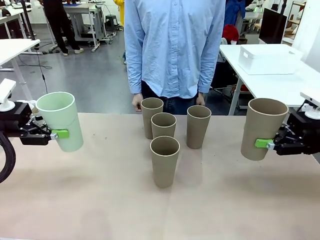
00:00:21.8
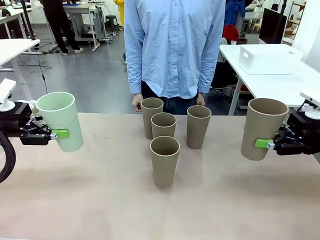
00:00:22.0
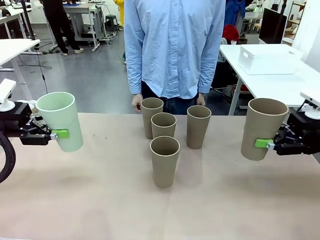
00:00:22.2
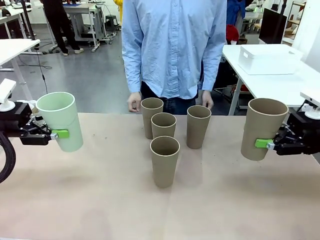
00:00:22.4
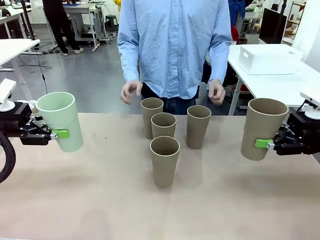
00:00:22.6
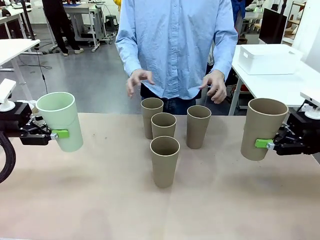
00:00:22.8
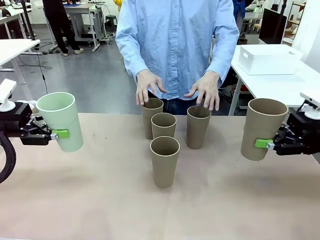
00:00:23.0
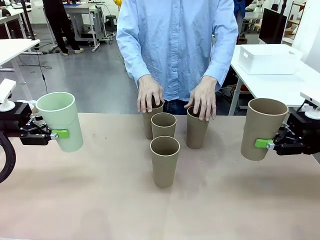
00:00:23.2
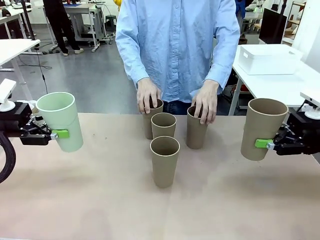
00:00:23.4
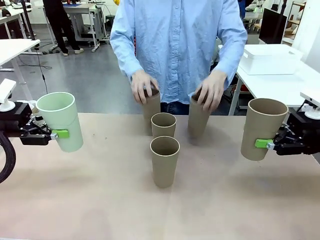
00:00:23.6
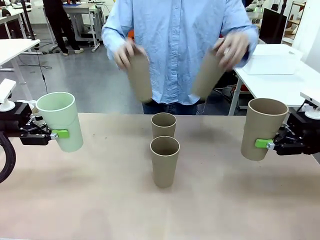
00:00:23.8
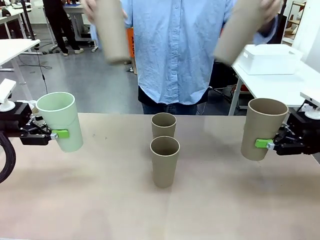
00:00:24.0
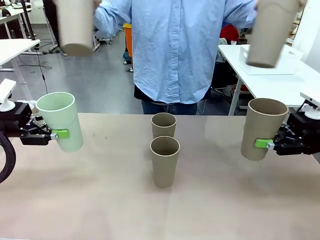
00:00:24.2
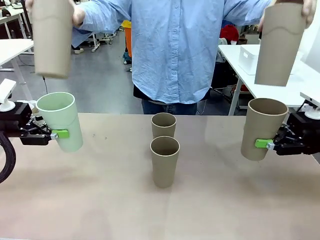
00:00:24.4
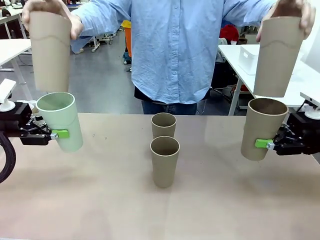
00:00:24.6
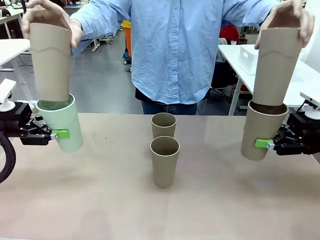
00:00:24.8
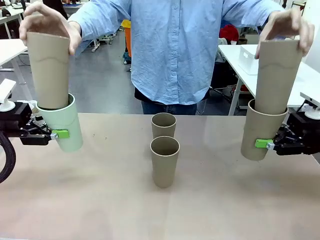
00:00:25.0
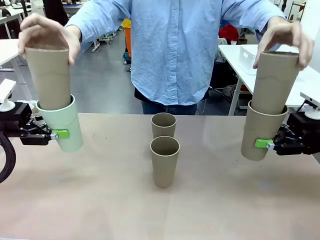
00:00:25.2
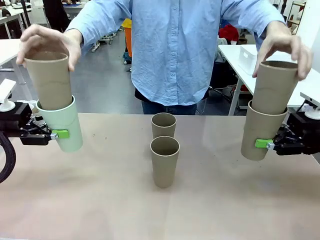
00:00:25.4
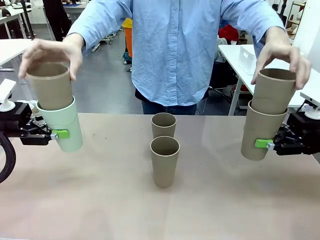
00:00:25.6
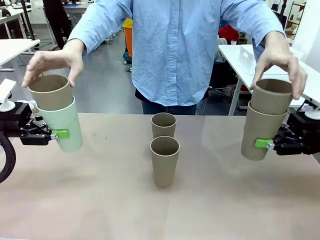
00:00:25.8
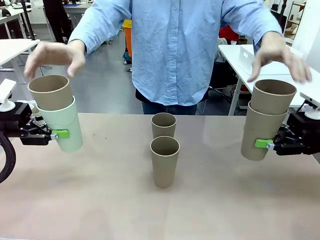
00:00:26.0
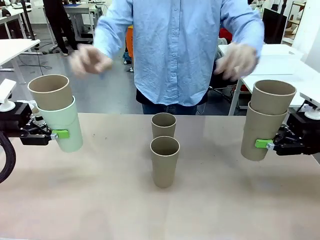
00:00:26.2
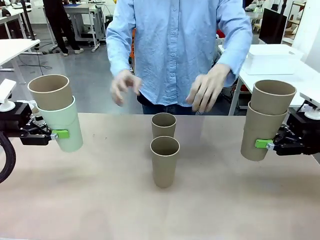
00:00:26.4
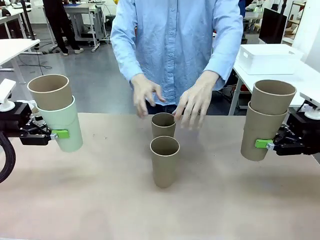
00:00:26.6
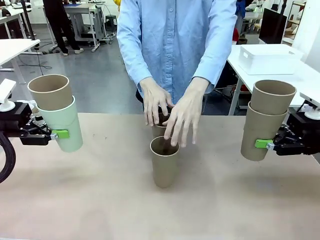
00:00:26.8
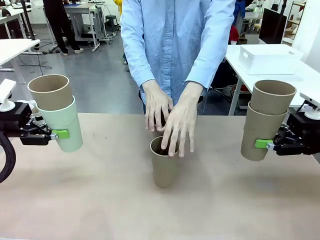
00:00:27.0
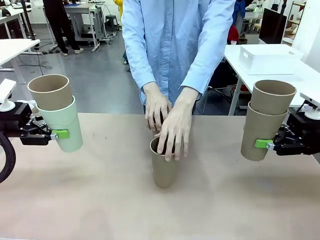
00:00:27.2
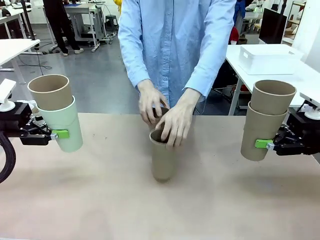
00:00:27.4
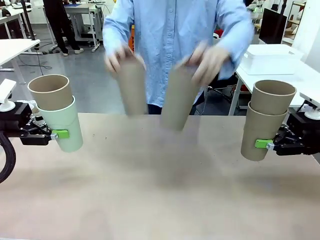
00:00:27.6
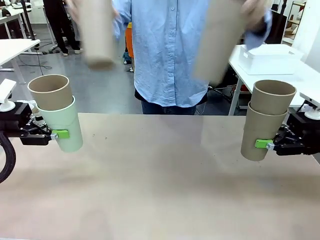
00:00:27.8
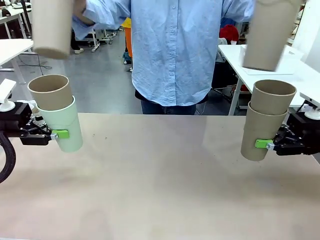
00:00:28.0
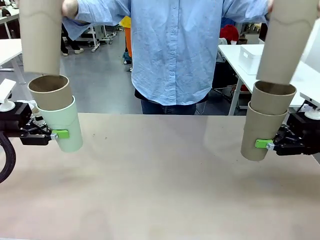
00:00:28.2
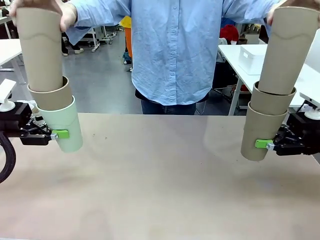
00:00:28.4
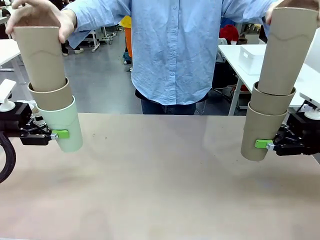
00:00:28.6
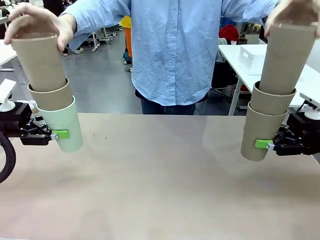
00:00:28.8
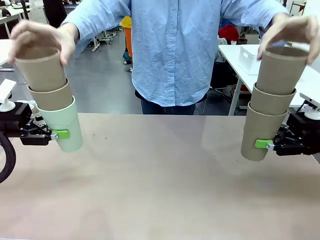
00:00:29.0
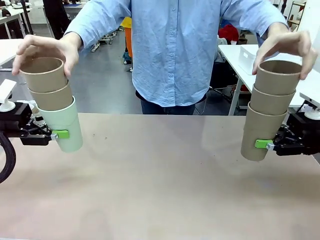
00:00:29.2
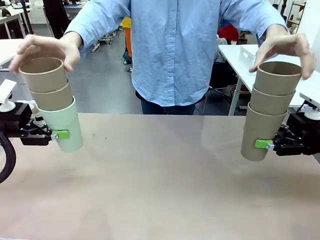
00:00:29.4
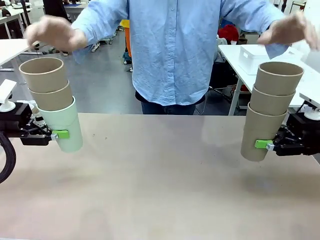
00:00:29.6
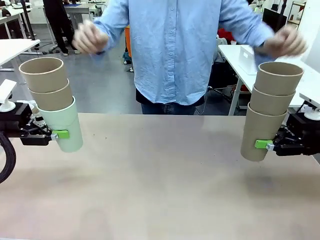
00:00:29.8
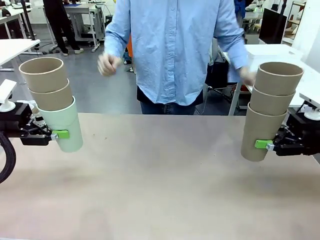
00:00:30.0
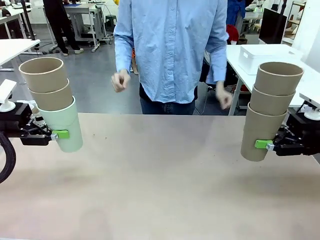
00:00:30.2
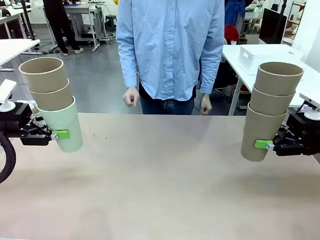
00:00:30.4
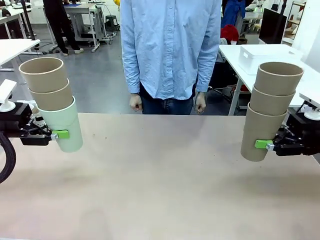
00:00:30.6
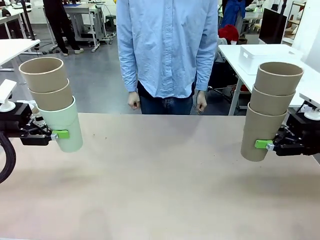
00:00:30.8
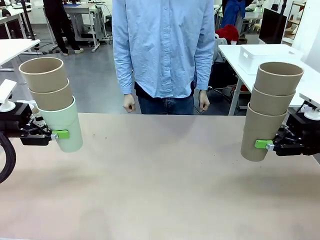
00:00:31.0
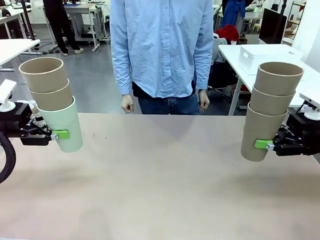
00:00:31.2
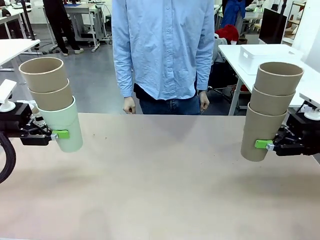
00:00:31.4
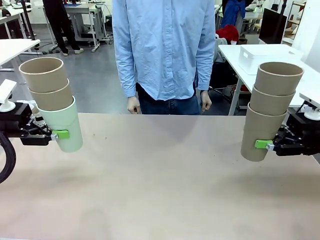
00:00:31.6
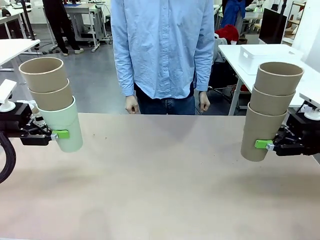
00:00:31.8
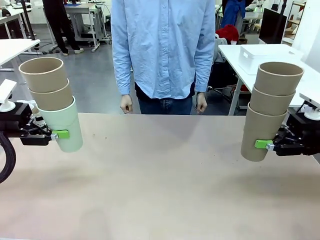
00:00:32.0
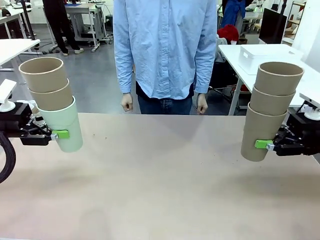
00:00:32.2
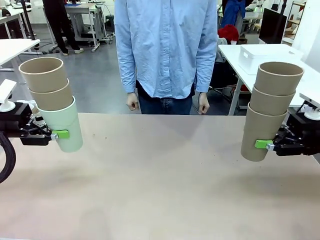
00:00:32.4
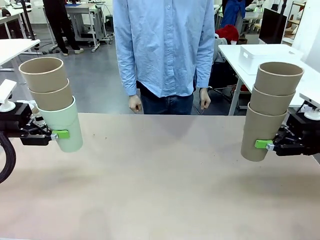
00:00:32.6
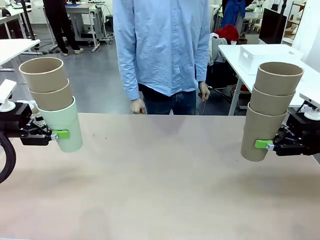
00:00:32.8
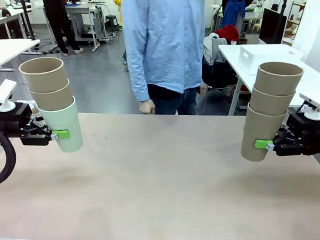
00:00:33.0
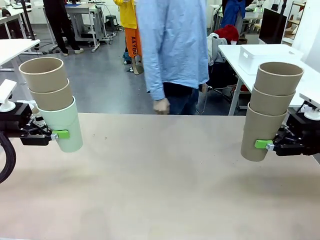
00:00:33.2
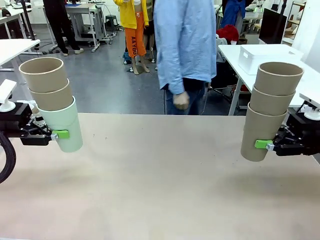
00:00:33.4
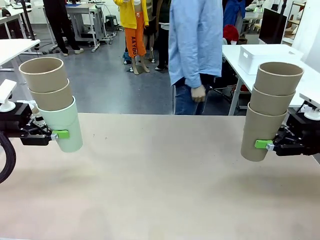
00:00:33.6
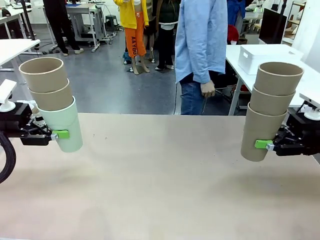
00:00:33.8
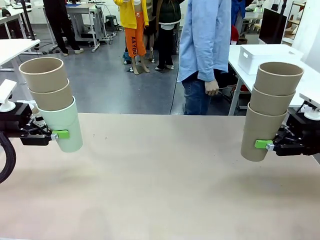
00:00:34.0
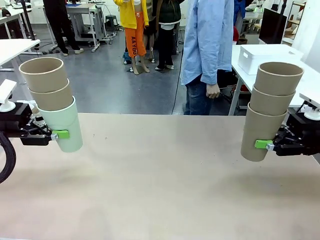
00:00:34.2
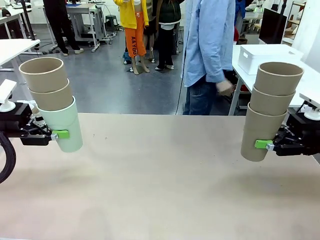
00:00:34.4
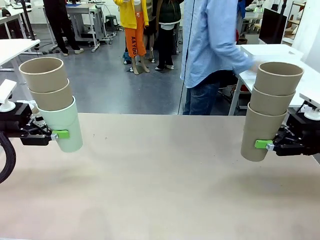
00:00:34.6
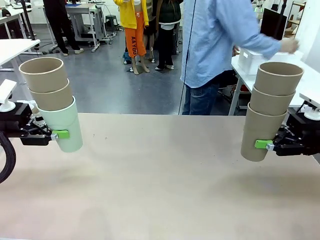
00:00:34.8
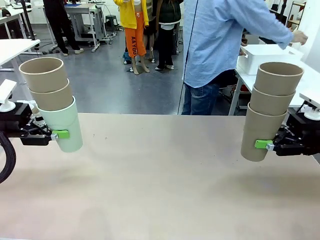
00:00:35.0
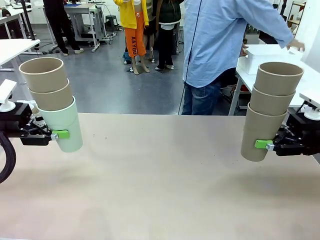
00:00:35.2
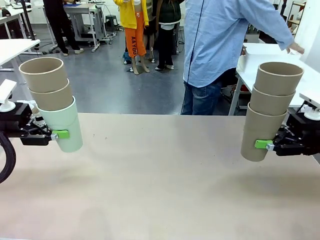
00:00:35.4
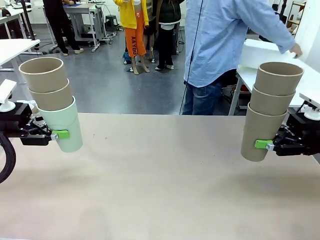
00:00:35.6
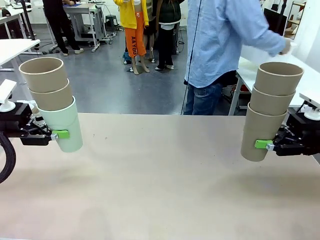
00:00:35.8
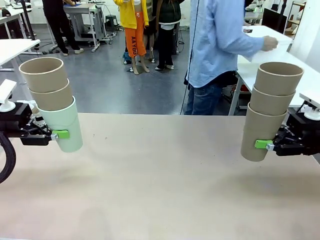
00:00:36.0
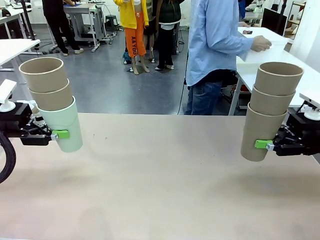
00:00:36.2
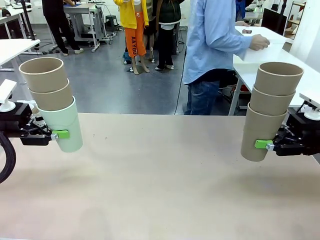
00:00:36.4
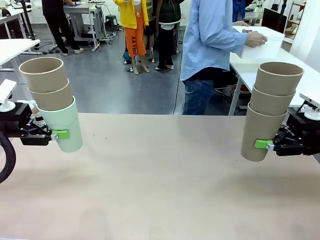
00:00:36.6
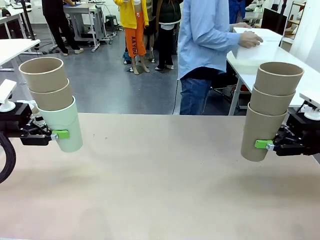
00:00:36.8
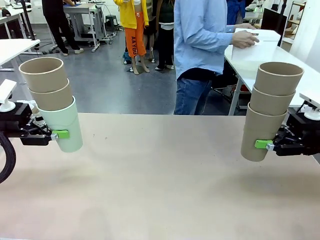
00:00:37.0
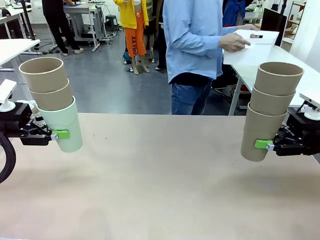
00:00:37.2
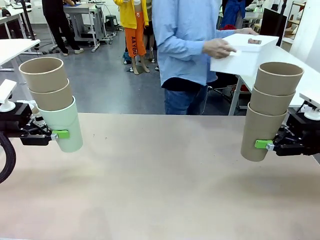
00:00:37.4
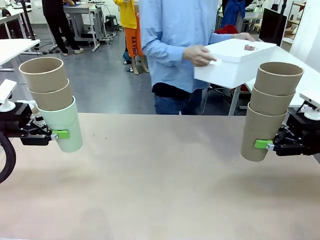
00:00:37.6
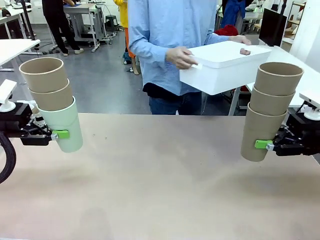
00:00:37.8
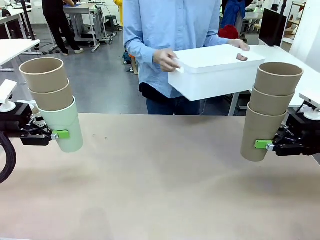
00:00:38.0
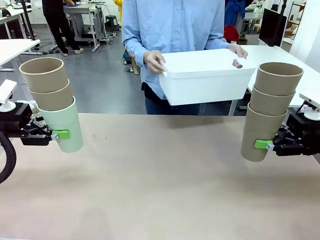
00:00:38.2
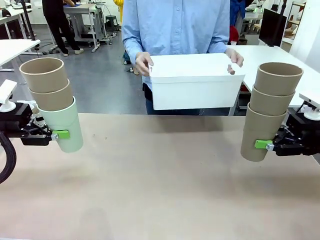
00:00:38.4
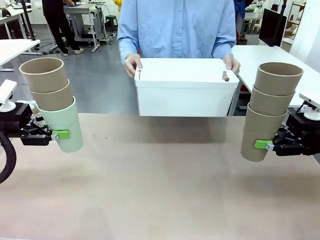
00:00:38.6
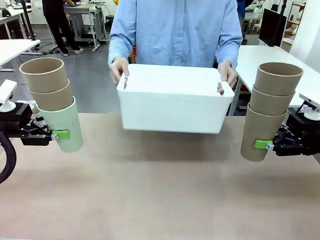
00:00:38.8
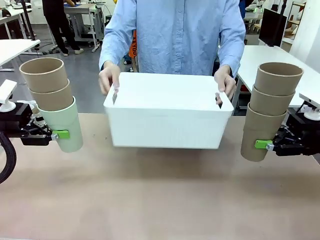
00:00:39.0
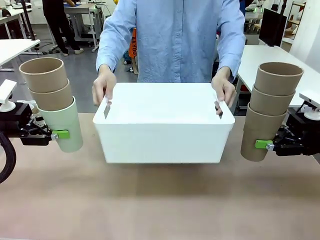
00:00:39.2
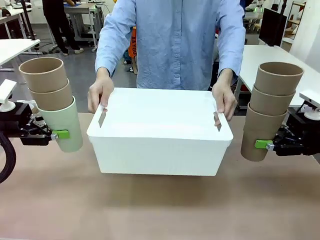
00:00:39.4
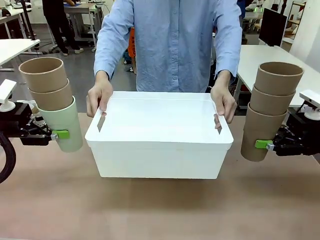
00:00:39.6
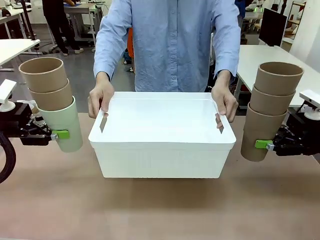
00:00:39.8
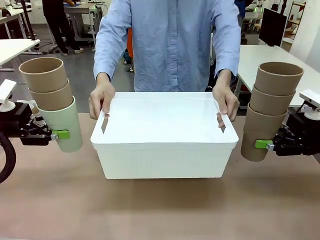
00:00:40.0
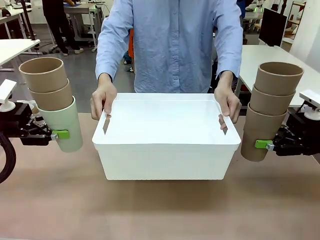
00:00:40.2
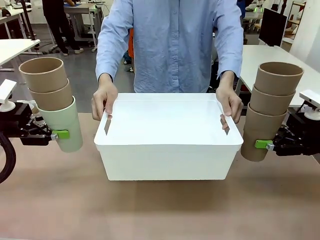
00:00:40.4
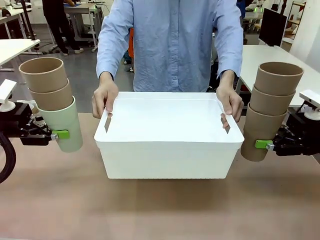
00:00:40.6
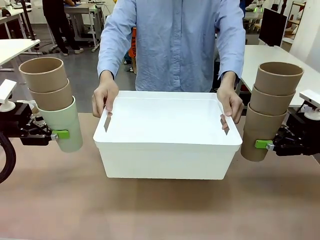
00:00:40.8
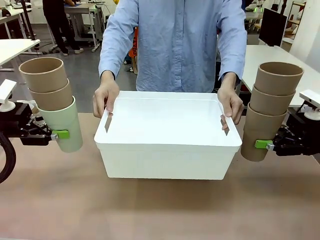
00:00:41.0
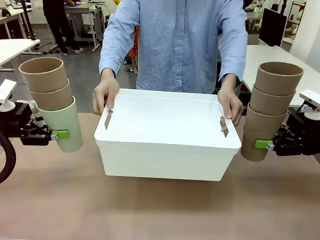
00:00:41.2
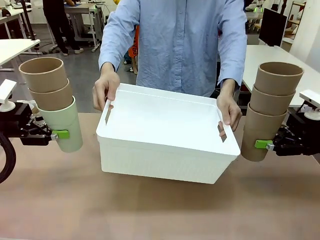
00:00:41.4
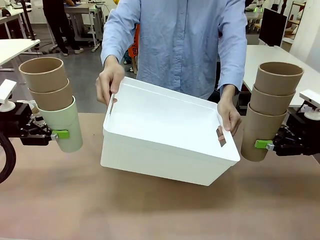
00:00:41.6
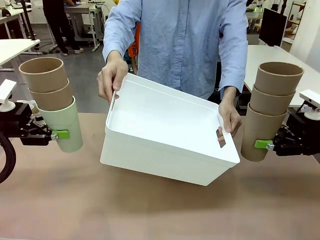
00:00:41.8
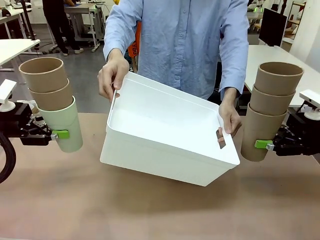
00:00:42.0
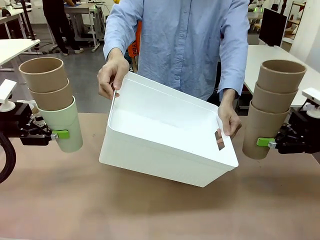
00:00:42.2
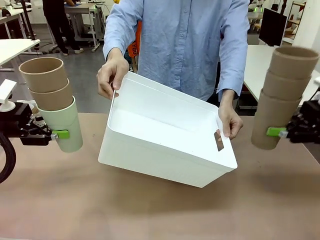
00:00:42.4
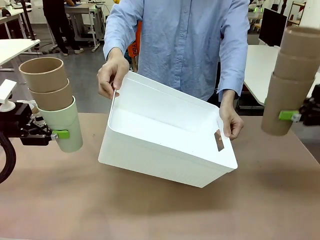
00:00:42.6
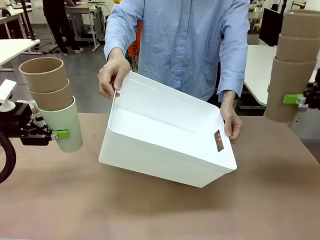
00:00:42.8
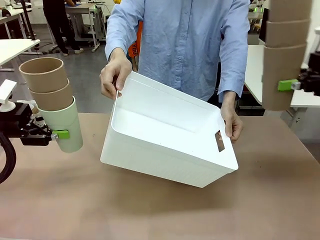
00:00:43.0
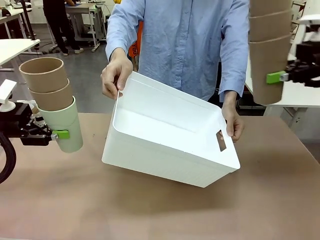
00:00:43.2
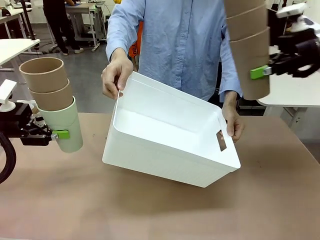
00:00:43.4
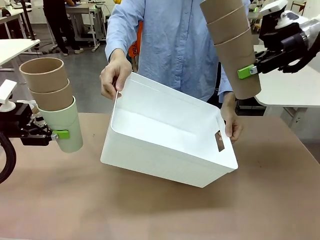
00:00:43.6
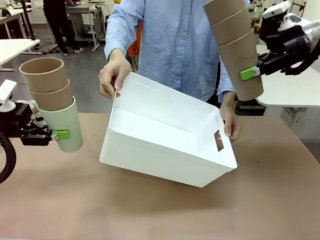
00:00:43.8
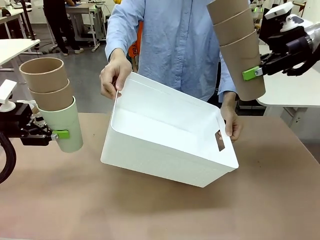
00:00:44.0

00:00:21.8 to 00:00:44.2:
Task: Stack the cups and store them in the basket.
Robot: Place the stack of Reusable plastic cups into the Pantry Basket.
Person: Pick up the basket from the Human Table, bring it to the front of the robot, and present it.
